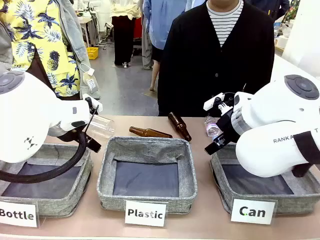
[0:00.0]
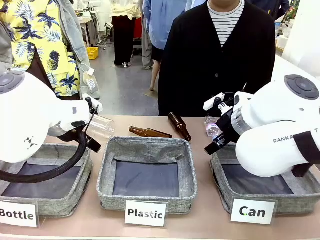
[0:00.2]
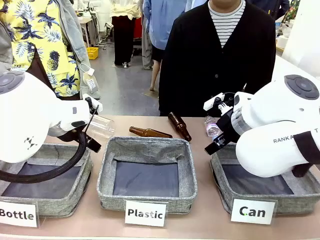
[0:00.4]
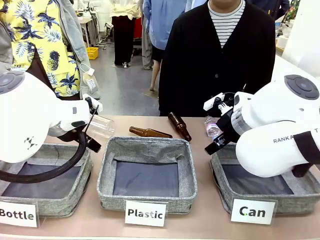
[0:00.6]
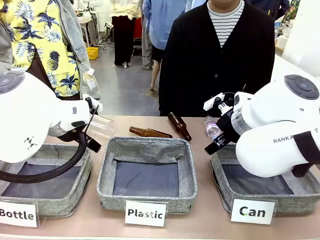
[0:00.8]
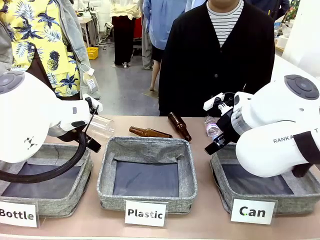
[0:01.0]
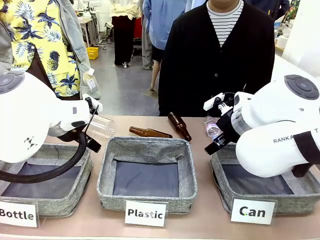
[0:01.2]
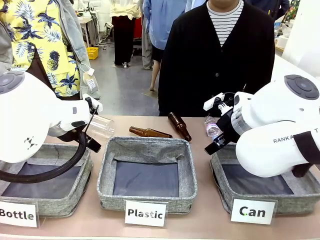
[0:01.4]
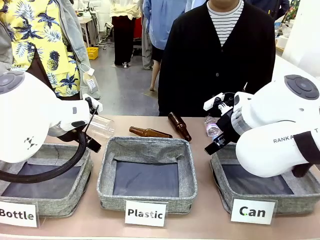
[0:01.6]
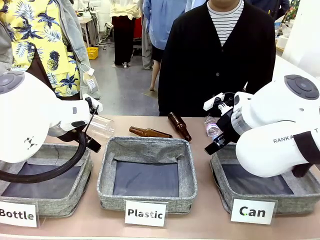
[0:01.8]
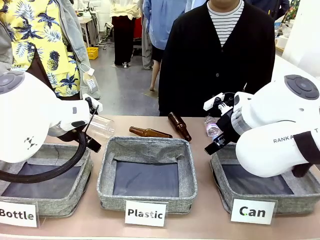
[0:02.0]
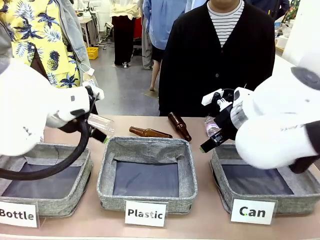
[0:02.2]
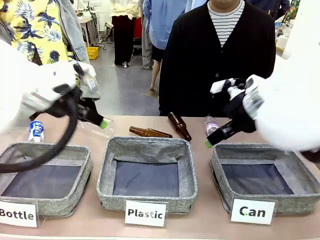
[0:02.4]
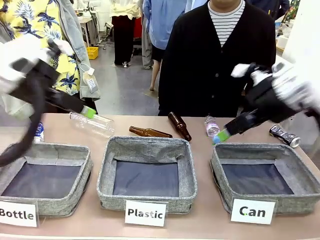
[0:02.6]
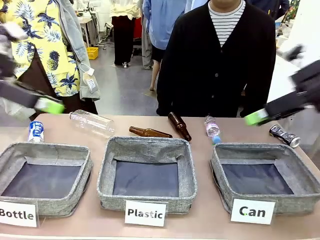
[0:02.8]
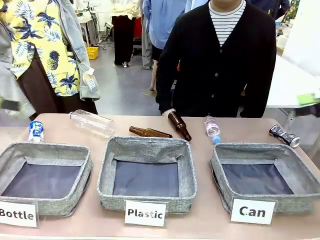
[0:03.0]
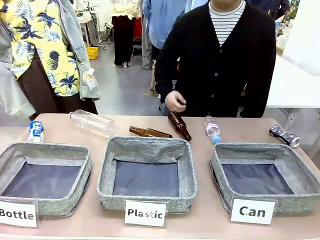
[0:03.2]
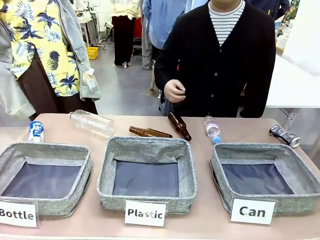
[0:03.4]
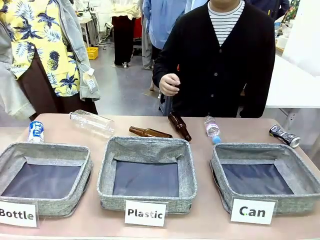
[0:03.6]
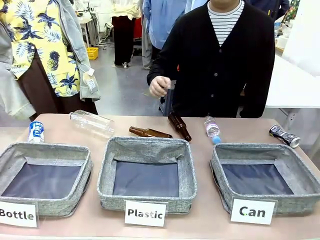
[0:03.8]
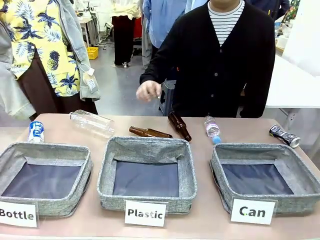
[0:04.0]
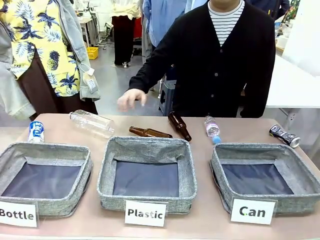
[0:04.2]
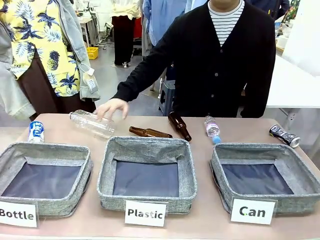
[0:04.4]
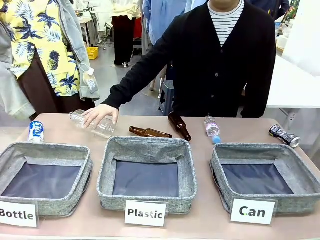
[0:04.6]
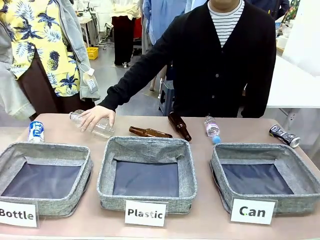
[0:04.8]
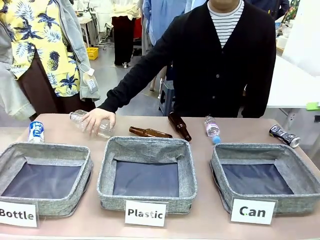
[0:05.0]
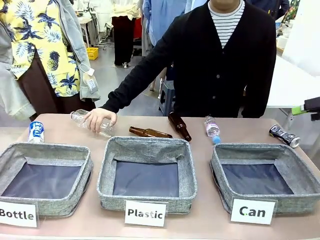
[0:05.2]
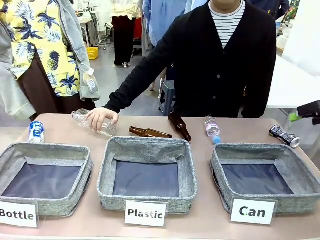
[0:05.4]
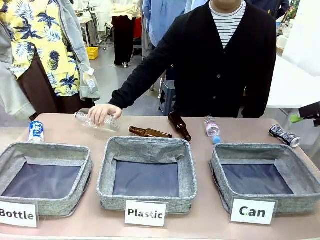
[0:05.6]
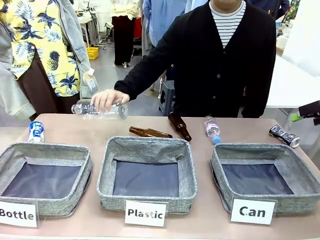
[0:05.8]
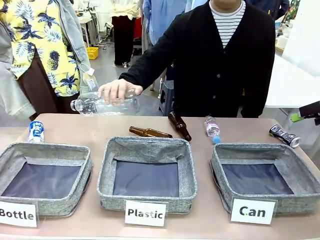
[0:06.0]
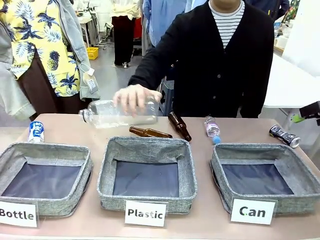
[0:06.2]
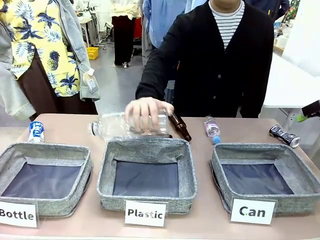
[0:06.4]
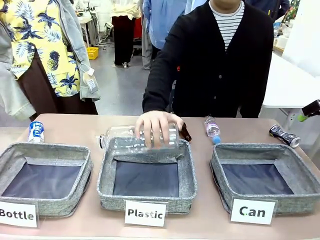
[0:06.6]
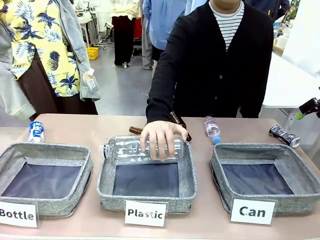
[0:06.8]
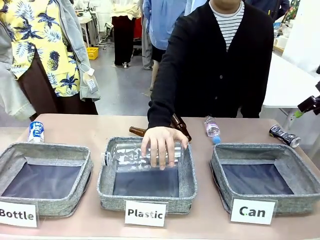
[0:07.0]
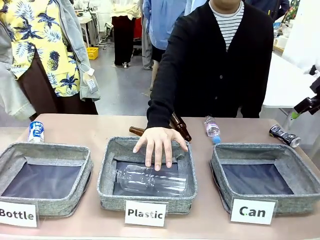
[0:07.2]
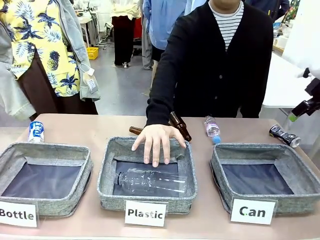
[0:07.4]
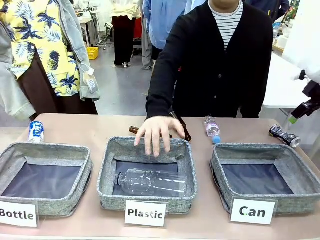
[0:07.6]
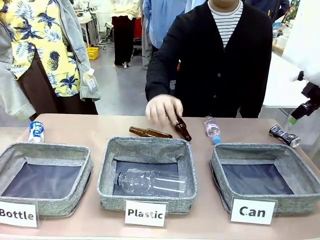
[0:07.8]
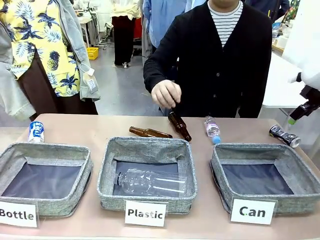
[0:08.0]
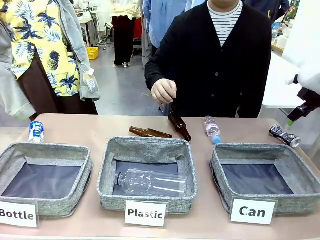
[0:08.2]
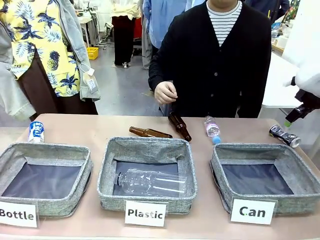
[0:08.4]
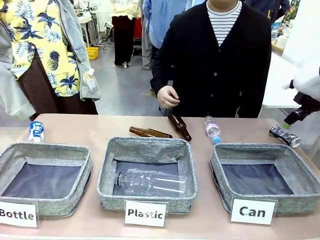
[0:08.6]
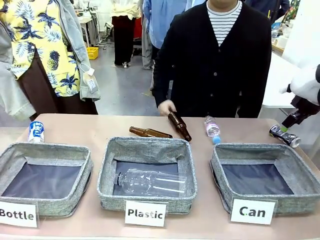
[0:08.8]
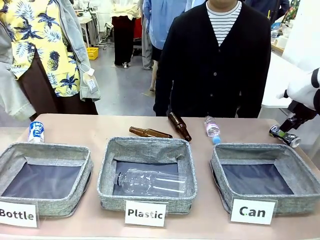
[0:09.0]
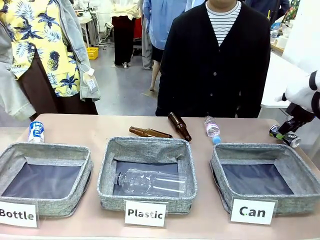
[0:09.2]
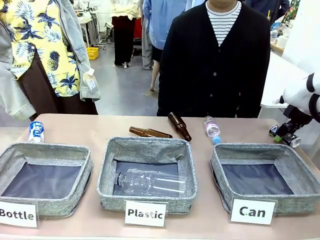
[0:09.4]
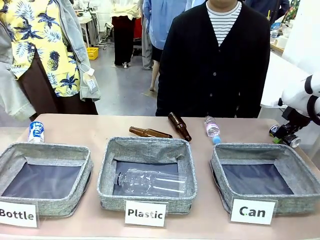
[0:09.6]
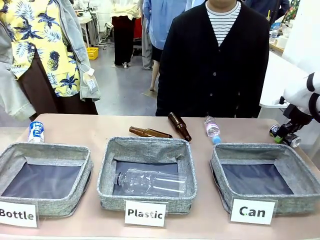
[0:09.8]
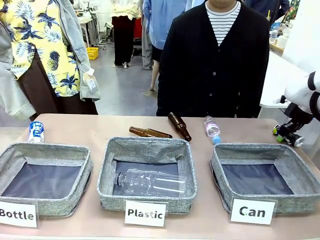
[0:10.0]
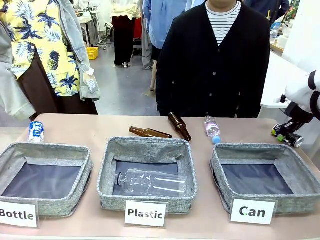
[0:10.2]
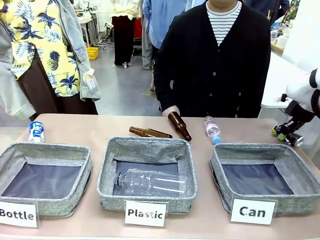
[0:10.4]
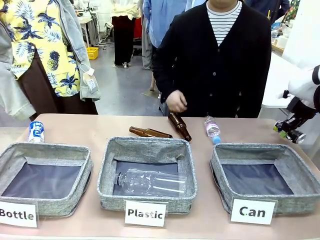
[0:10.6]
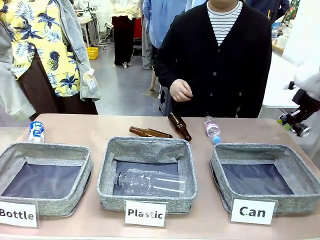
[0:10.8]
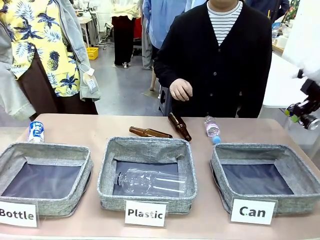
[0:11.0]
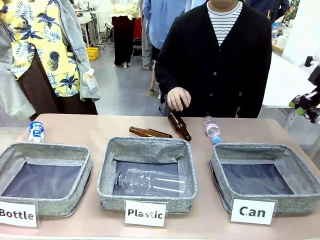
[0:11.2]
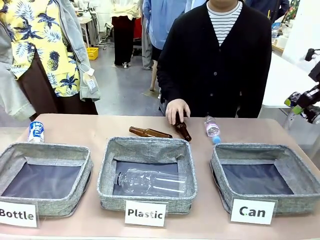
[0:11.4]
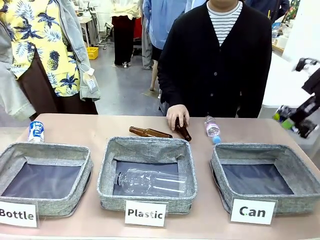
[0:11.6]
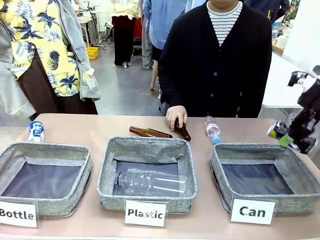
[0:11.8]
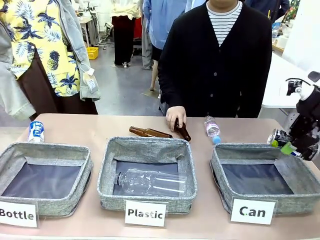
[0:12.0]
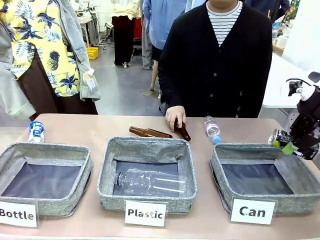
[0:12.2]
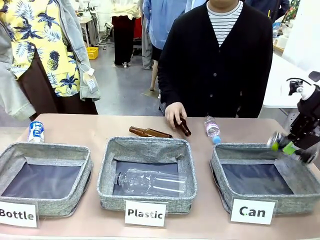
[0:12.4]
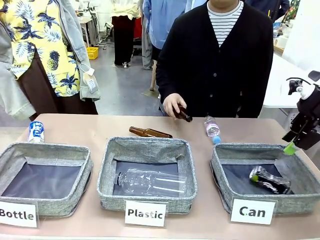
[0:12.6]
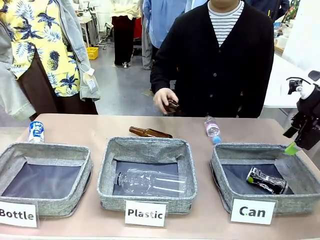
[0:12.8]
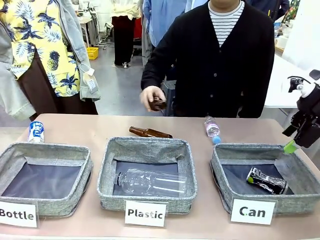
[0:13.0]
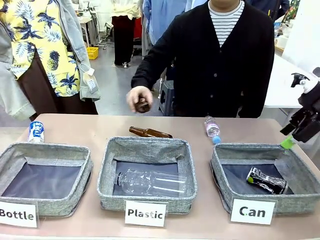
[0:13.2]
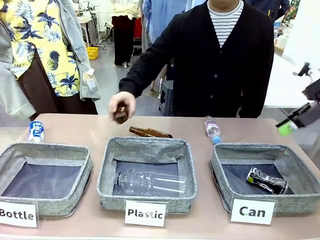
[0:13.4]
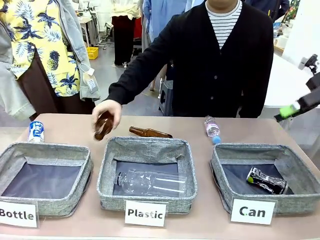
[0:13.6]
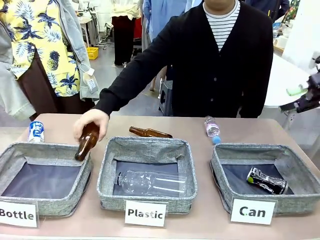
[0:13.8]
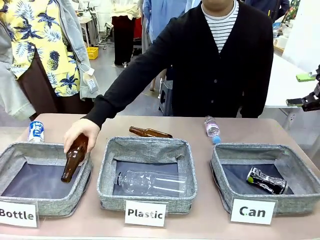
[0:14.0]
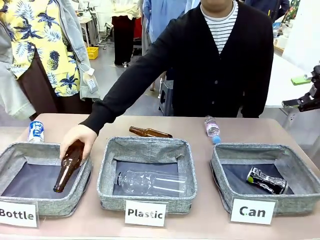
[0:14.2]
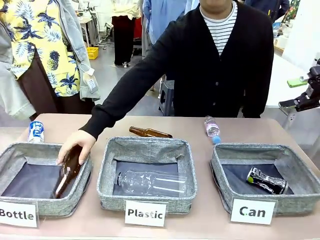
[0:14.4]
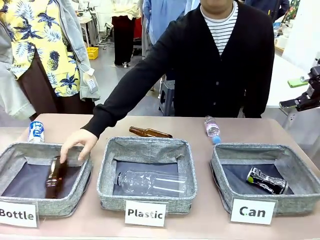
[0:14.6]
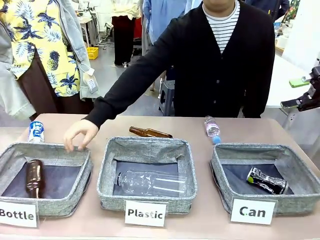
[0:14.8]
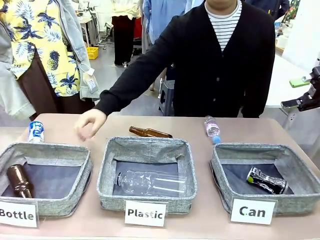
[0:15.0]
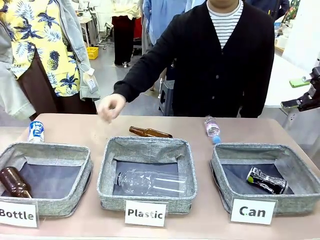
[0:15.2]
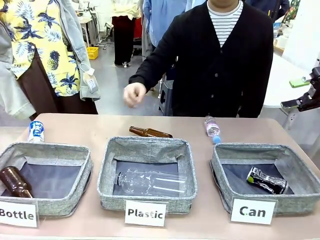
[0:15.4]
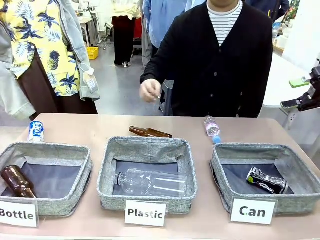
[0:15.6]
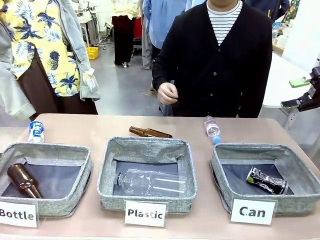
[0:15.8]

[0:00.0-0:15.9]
Task: Sort the can waste into the basket.
Robot: Pick up the can waste from the table and place it in the right Fabric basket.
